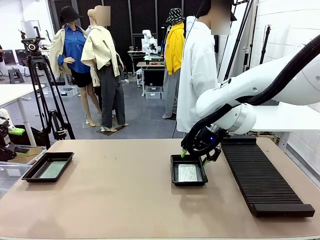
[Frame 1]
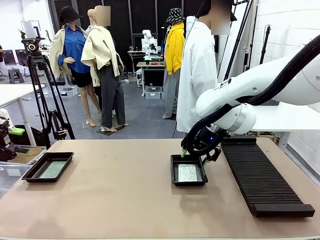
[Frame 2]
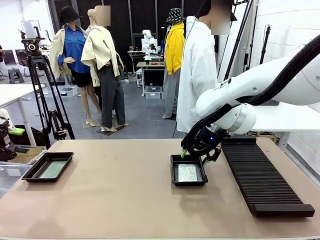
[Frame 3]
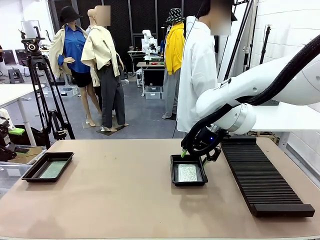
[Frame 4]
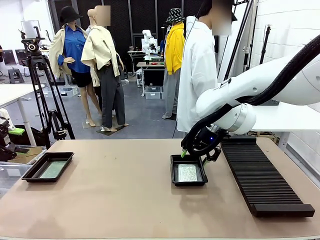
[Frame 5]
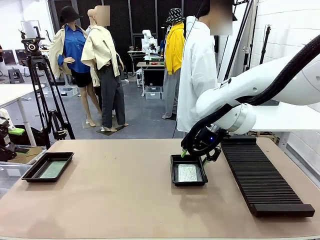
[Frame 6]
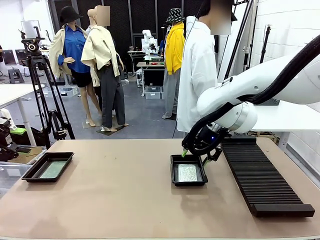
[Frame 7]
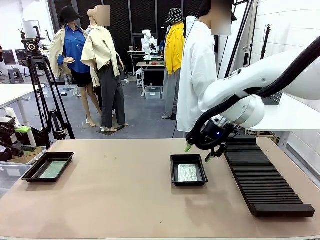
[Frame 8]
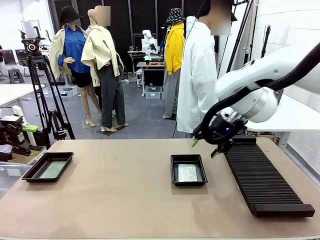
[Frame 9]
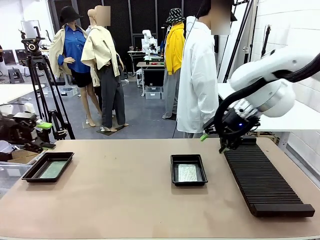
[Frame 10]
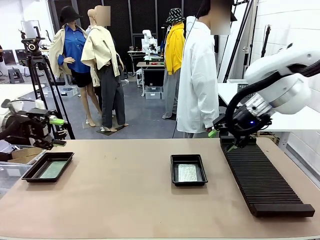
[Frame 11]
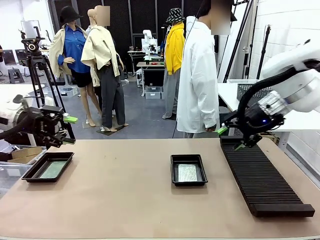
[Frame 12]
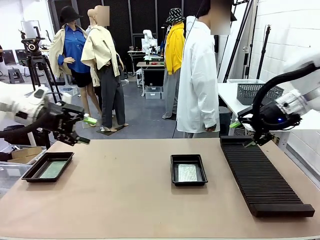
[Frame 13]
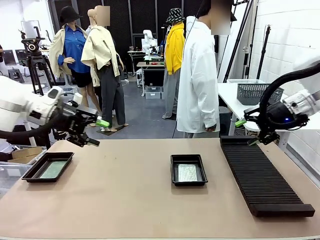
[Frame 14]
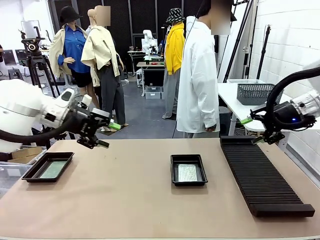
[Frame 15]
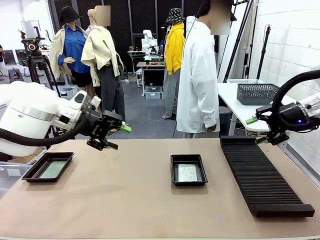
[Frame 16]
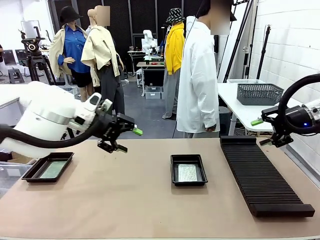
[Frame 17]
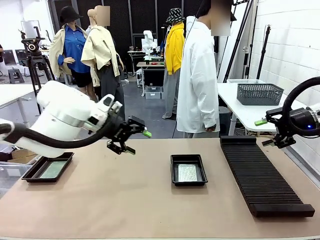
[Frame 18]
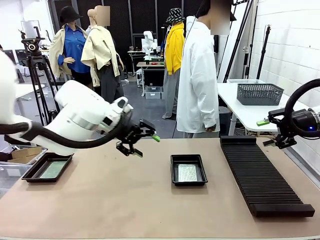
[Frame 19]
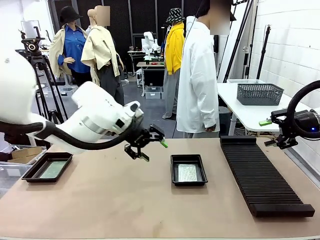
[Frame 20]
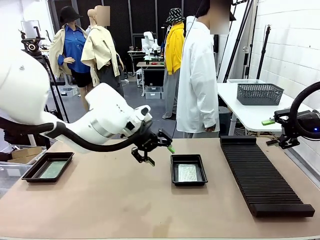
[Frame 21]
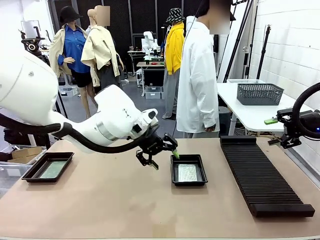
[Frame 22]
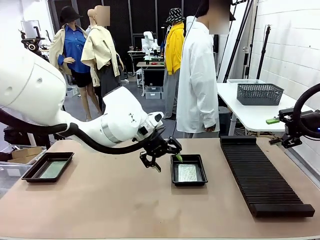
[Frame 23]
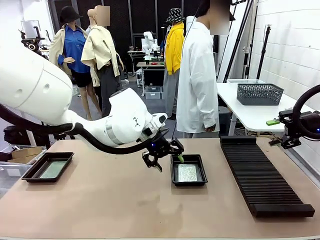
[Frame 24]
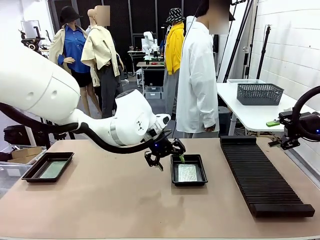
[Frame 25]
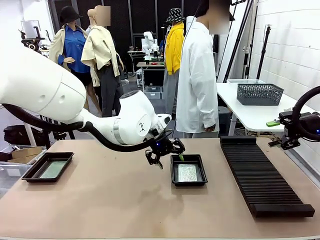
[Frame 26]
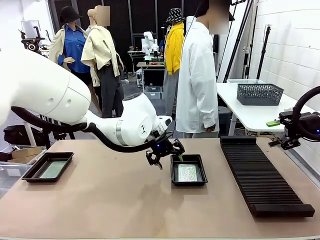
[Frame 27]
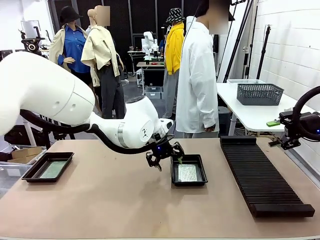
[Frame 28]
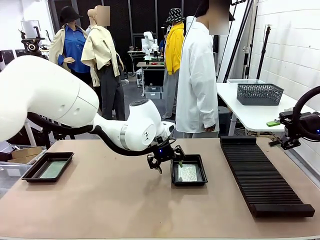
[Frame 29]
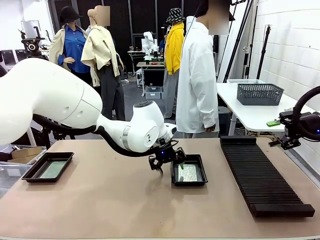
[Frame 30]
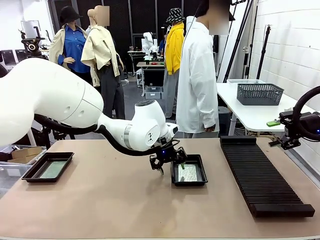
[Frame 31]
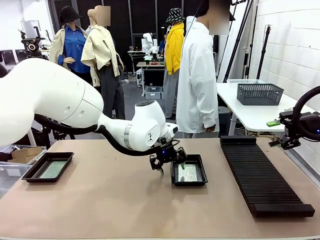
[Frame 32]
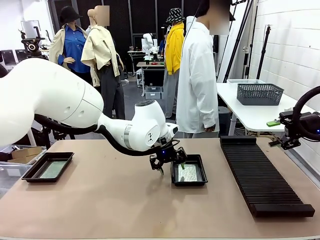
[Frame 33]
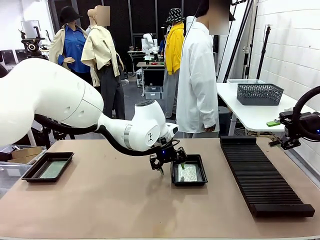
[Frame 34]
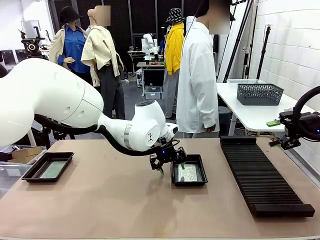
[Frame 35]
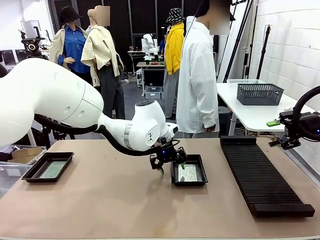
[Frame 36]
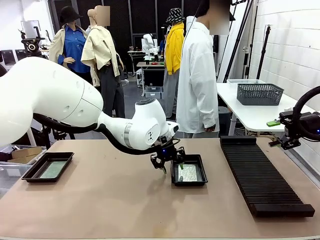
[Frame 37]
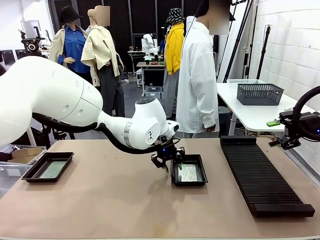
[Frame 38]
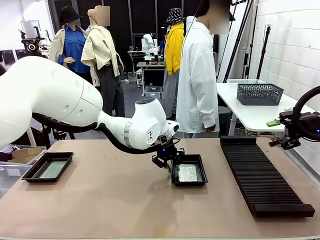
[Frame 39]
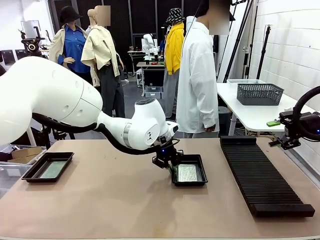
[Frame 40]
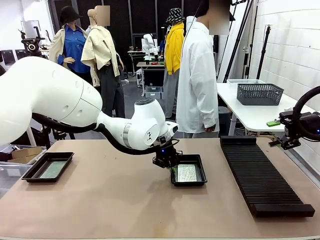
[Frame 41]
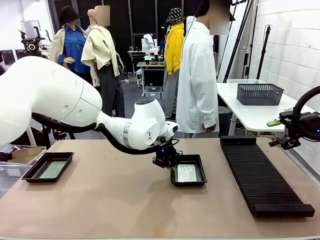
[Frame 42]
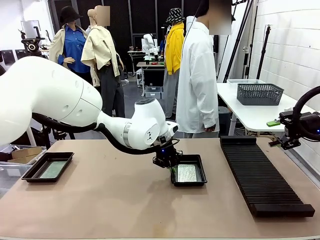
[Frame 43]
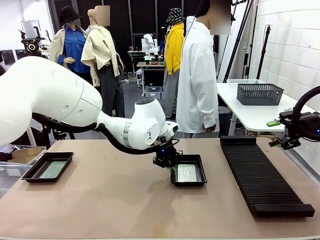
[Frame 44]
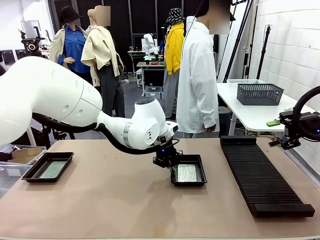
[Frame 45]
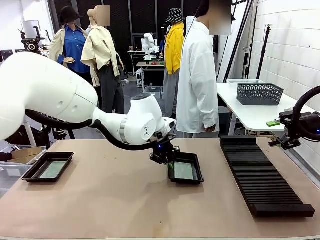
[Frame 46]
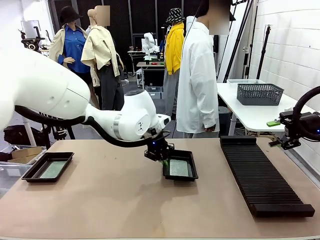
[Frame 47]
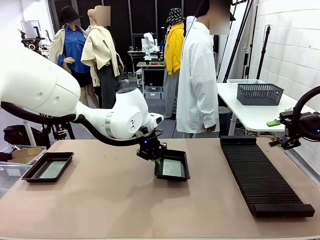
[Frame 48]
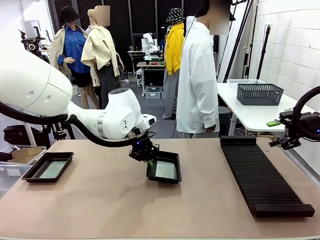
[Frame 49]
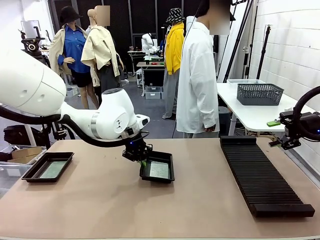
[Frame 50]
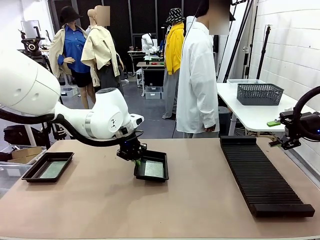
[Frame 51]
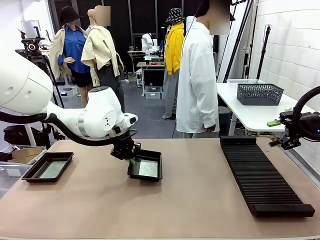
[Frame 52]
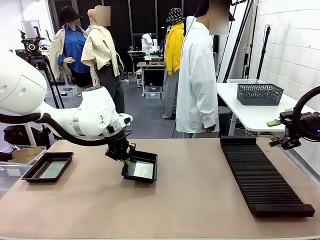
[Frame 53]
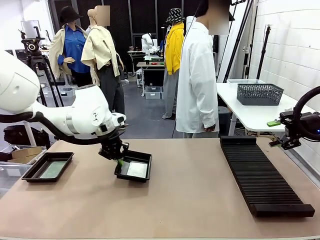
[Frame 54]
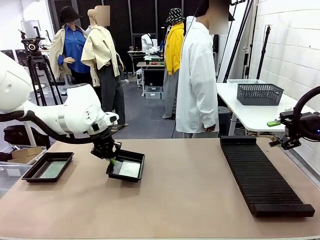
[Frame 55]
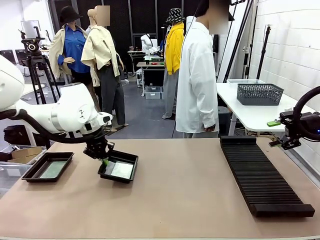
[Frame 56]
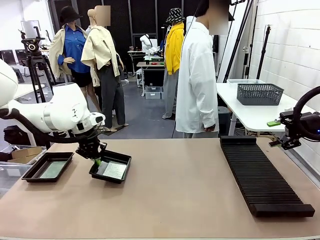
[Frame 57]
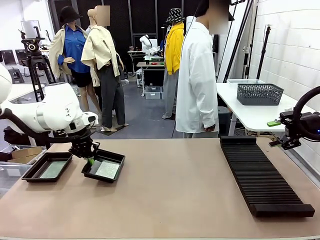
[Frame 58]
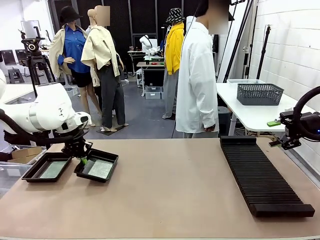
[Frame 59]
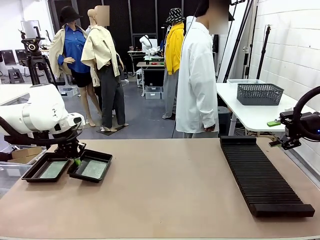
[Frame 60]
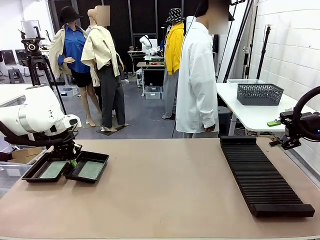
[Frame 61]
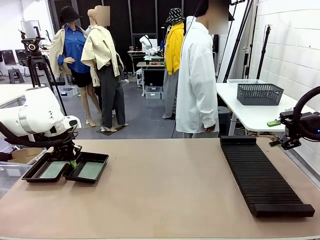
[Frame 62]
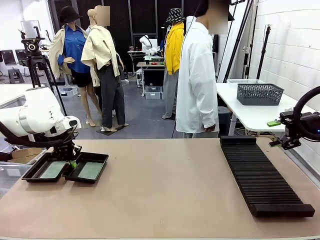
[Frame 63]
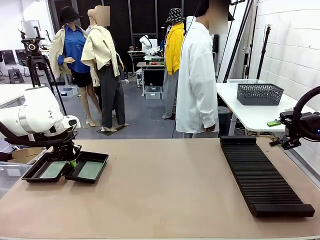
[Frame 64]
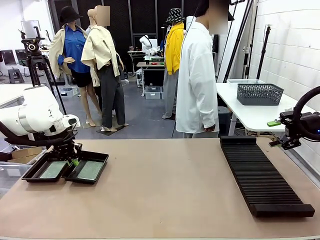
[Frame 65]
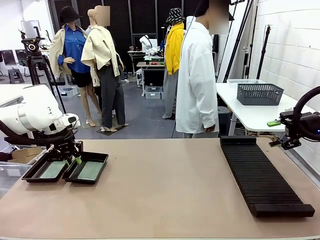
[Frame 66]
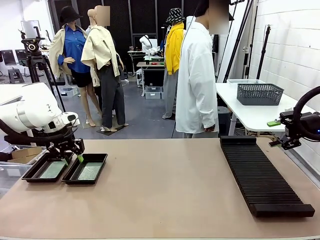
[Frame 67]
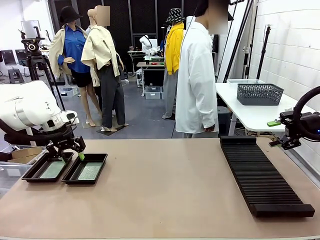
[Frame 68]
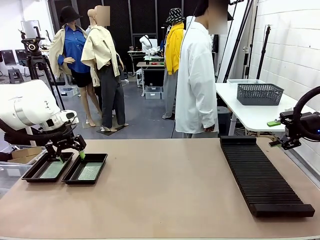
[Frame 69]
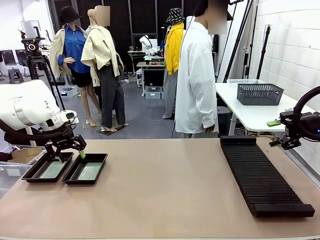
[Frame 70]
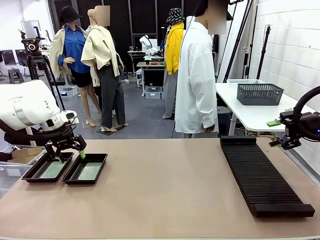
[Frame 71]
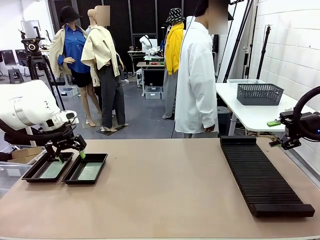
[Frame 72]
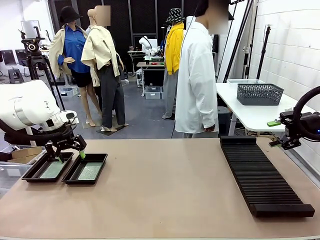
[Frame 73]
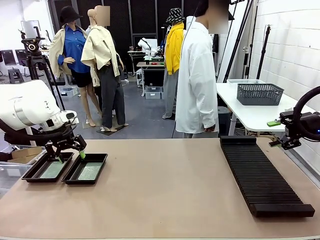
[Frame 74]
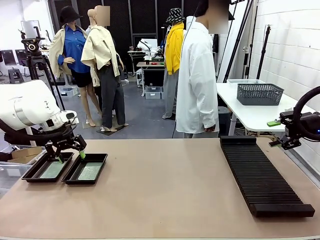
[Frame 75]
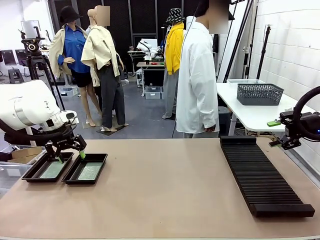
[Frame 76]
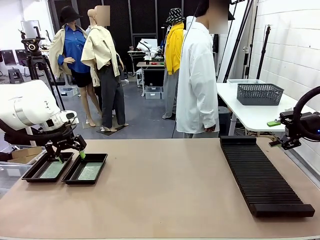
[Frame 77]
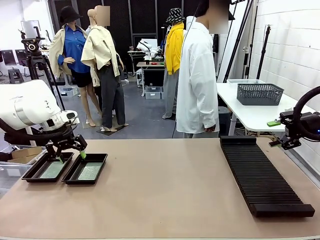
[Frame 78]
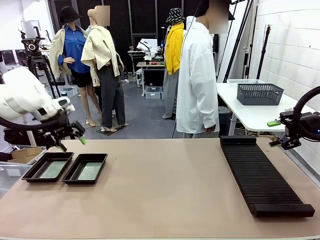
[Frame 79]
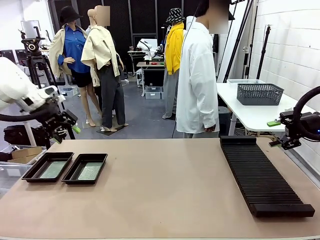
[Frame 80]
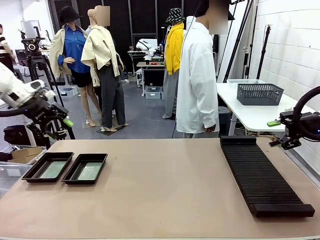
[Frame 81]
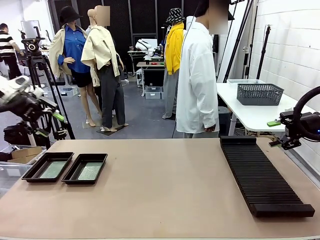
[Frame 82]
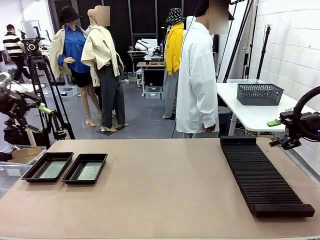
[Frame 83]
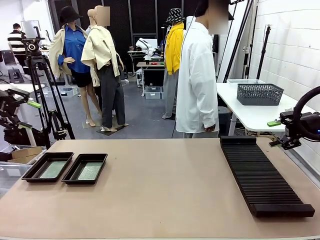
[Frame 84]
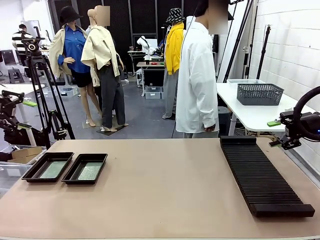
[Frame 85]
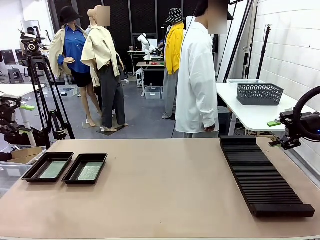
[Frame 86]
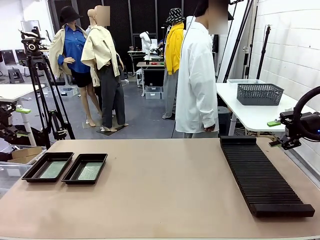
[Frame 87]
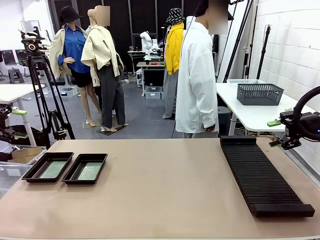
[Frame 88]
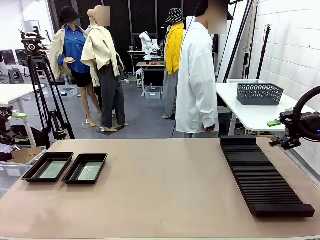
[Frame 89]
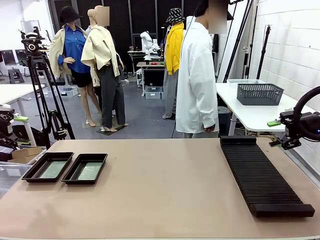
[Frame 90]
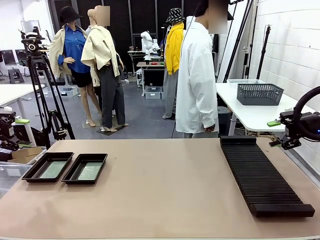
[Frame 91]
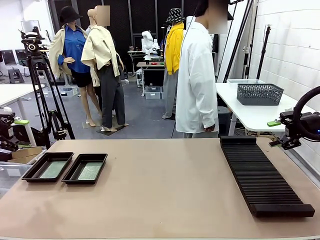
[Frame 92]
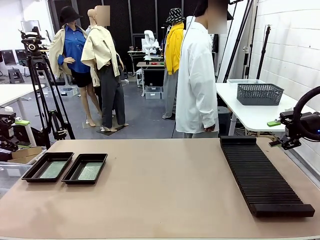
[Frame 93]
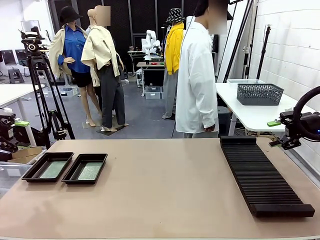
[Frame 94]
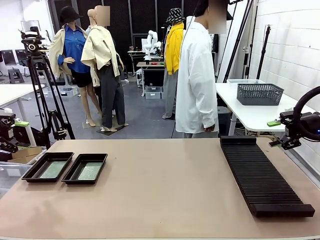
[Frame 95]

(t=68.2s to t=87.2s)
Task: Inspect and transfer BCBs to ESD trays.
Robot: Pick up the ESD tray and place it on the left side of the table.
